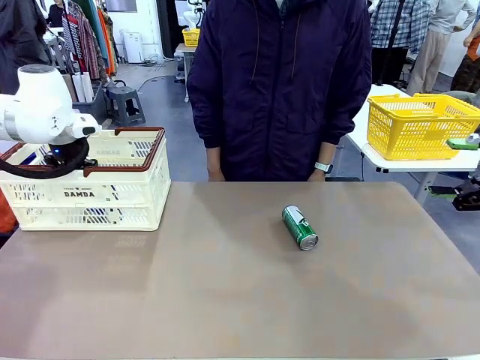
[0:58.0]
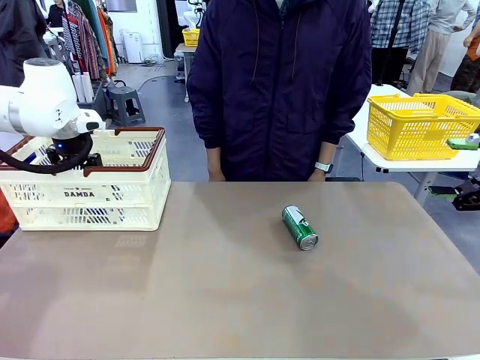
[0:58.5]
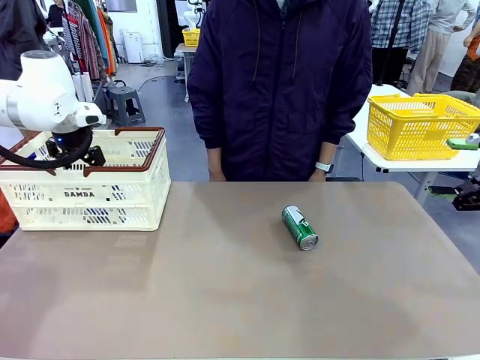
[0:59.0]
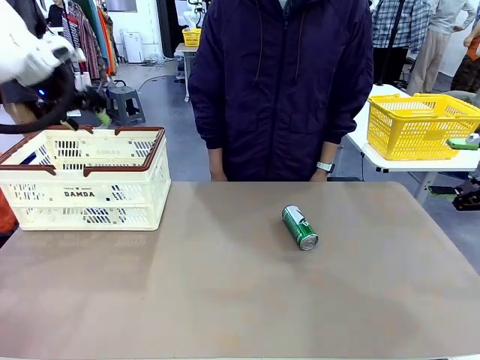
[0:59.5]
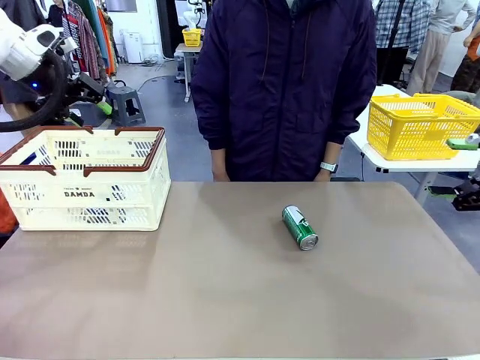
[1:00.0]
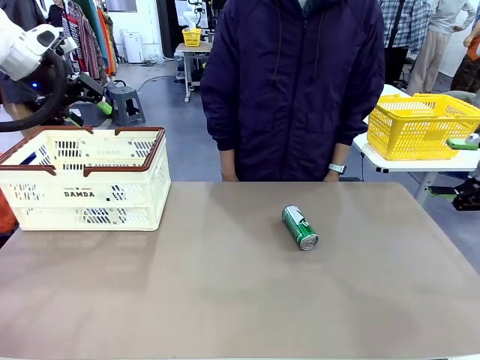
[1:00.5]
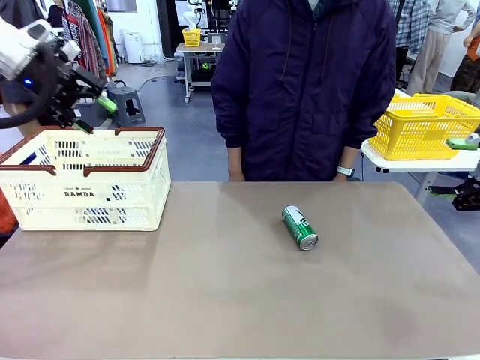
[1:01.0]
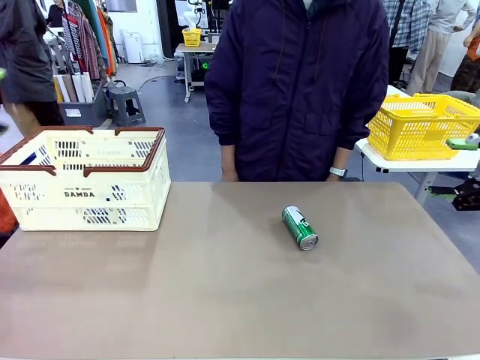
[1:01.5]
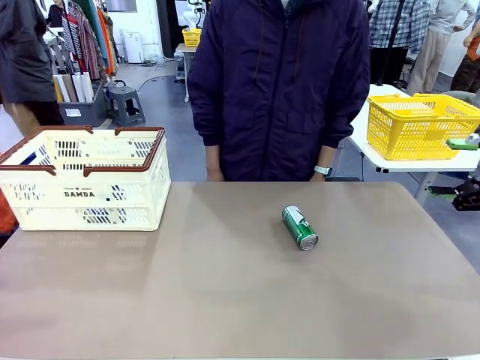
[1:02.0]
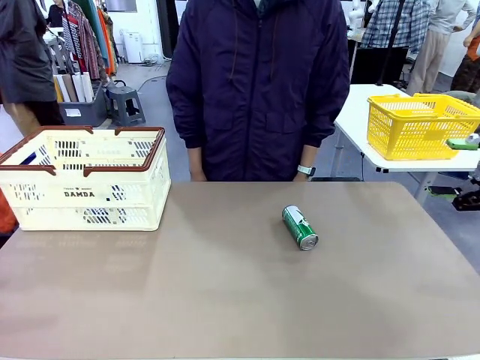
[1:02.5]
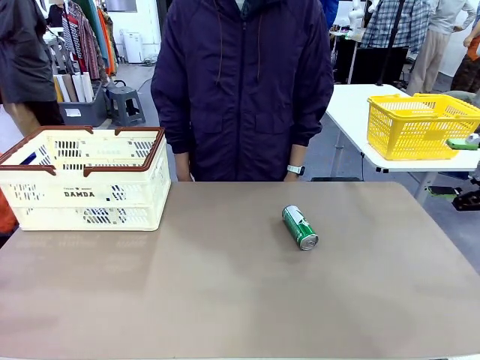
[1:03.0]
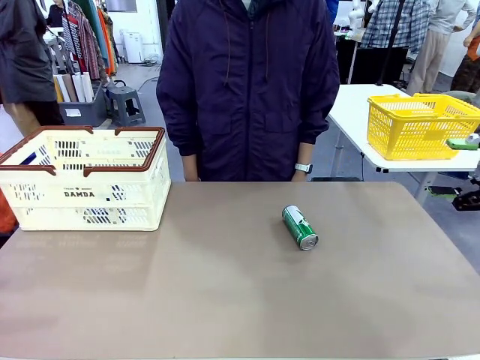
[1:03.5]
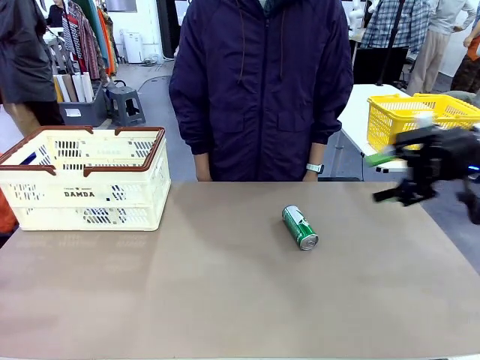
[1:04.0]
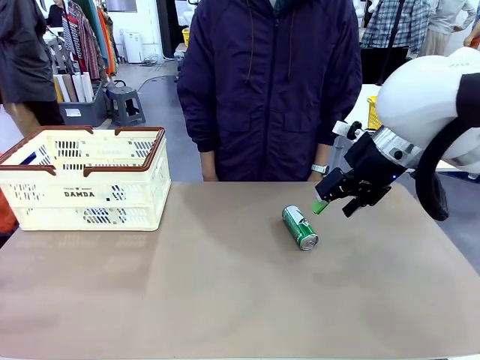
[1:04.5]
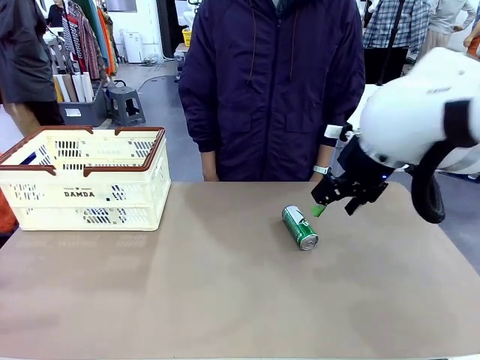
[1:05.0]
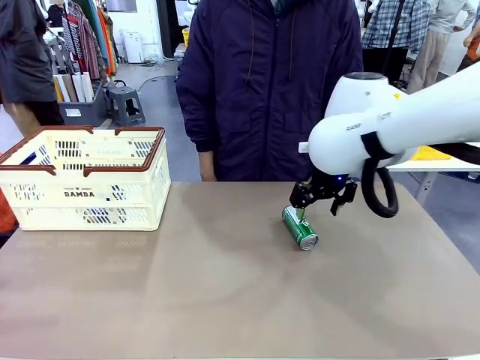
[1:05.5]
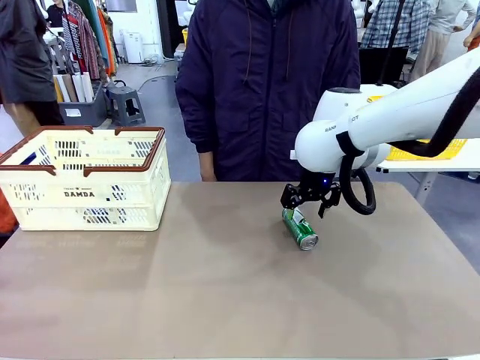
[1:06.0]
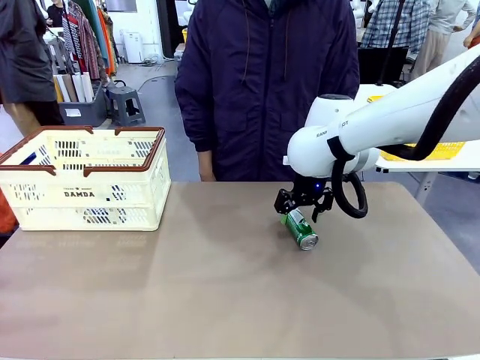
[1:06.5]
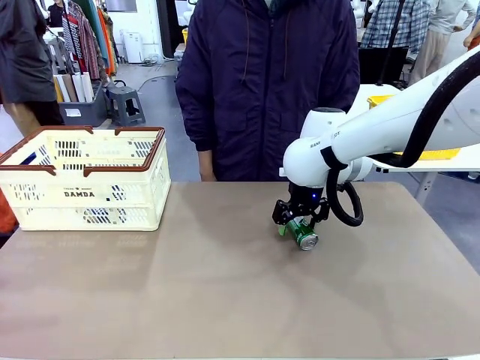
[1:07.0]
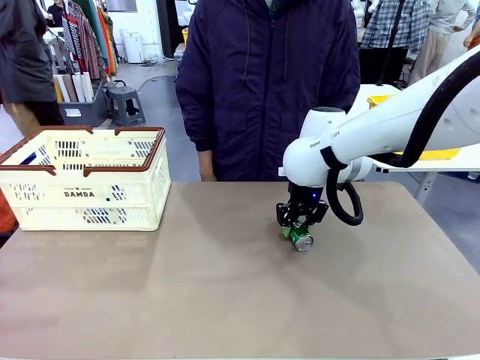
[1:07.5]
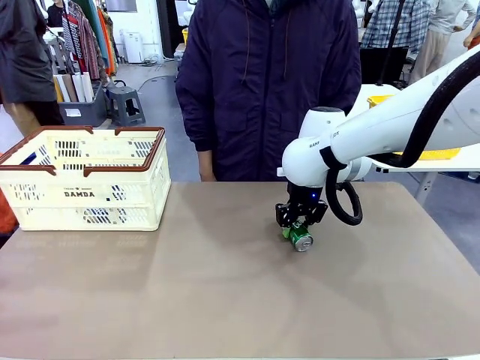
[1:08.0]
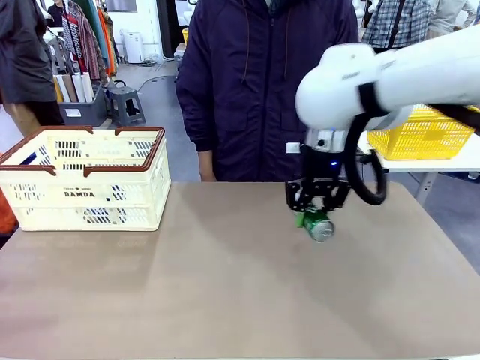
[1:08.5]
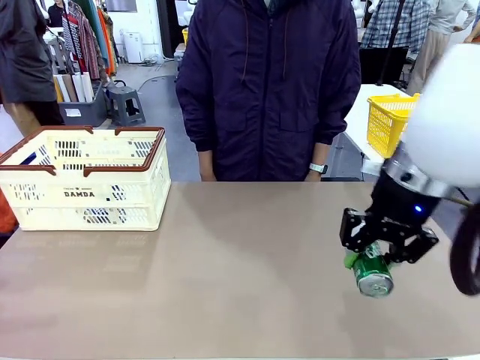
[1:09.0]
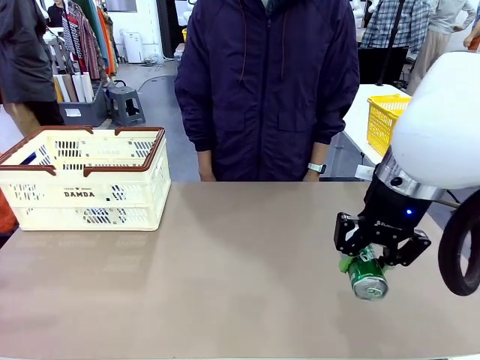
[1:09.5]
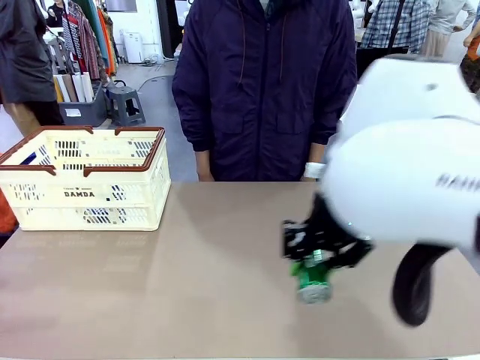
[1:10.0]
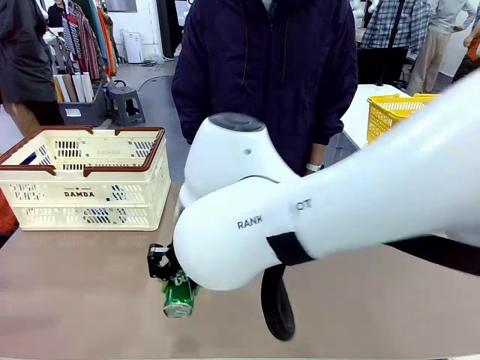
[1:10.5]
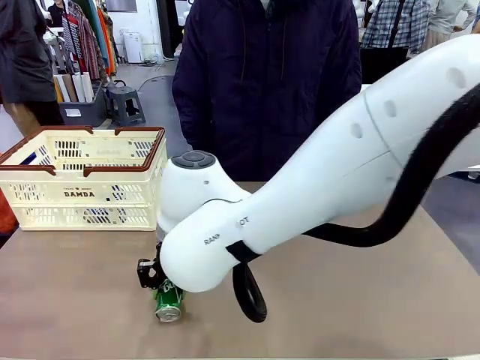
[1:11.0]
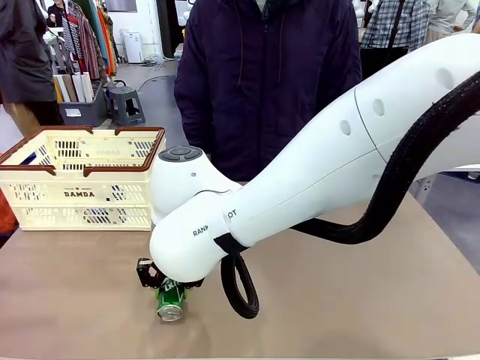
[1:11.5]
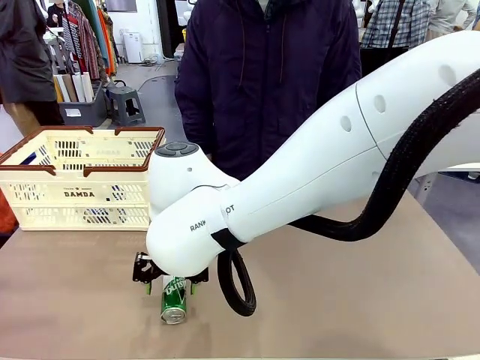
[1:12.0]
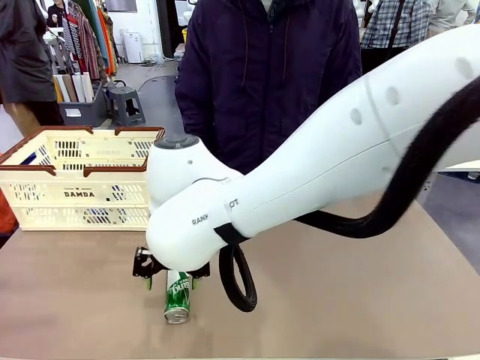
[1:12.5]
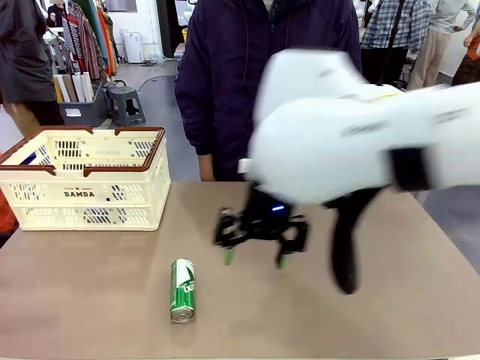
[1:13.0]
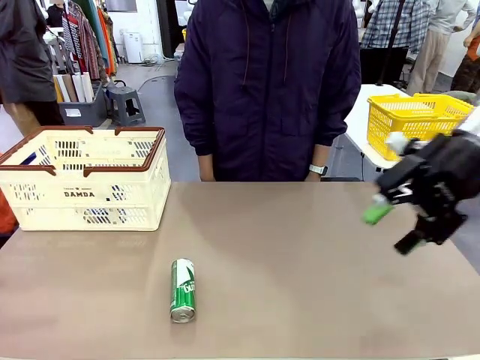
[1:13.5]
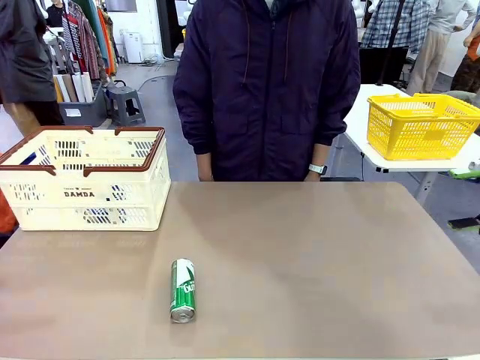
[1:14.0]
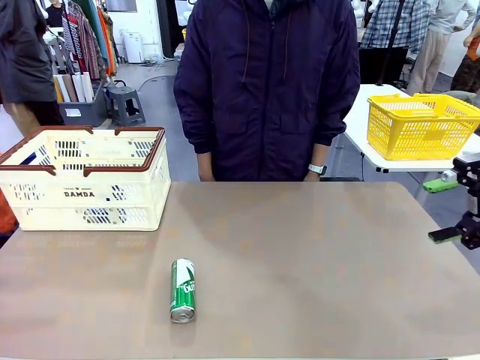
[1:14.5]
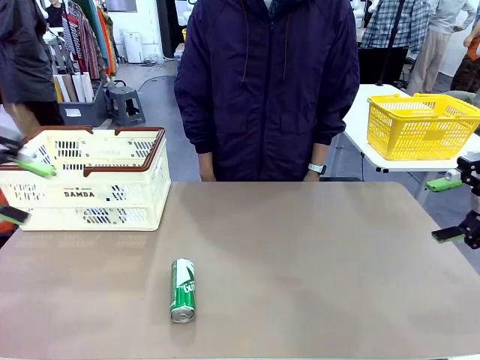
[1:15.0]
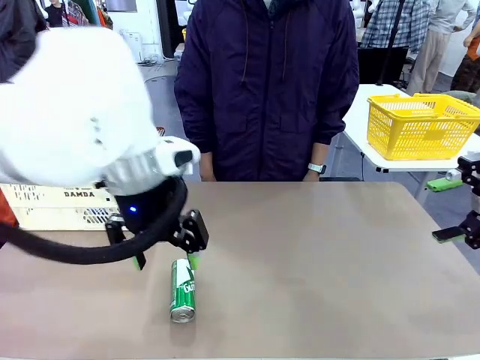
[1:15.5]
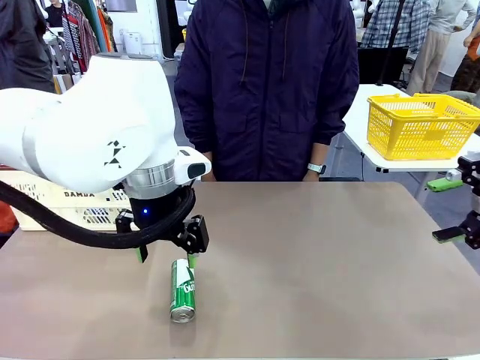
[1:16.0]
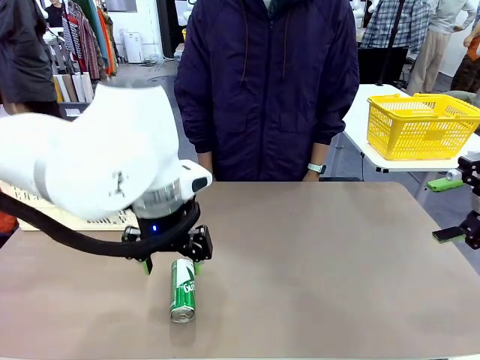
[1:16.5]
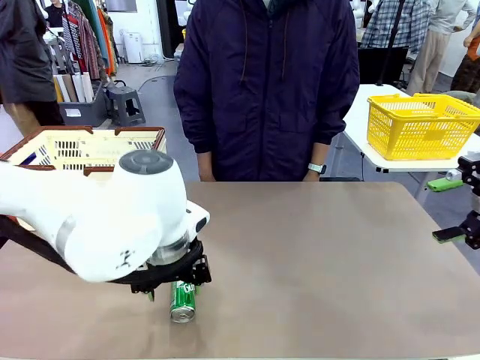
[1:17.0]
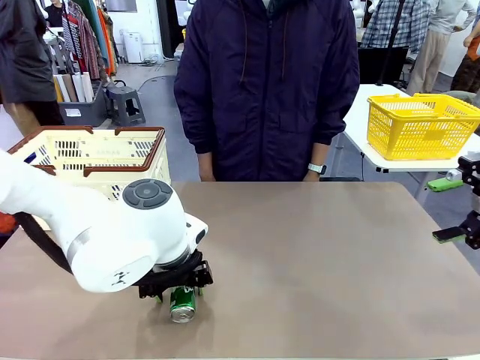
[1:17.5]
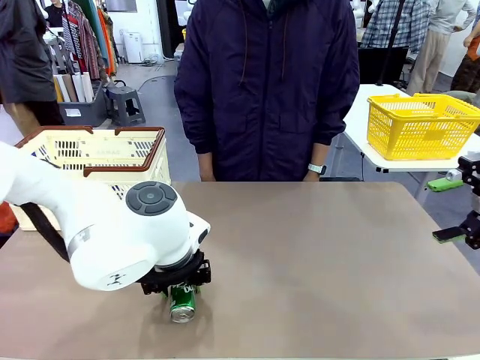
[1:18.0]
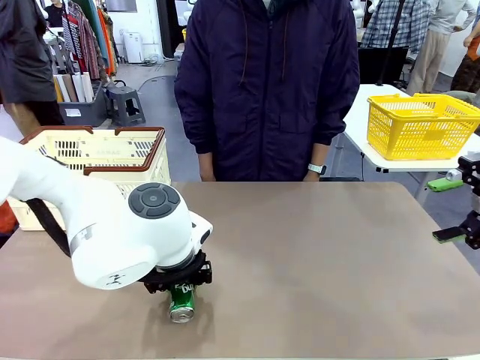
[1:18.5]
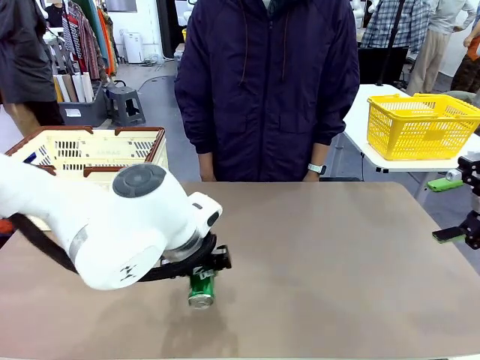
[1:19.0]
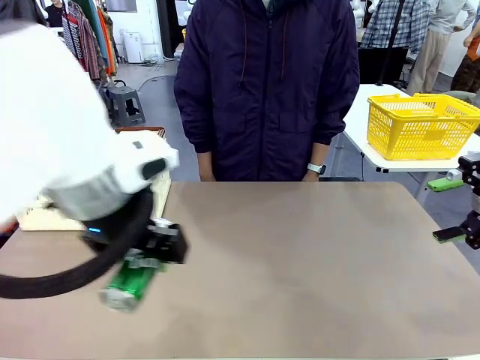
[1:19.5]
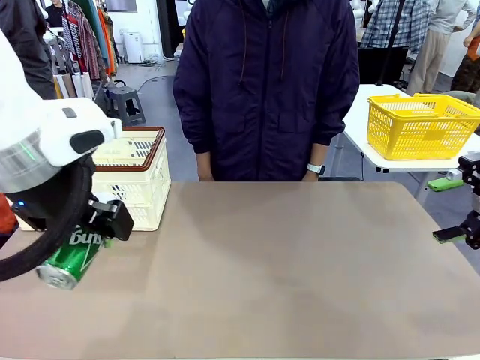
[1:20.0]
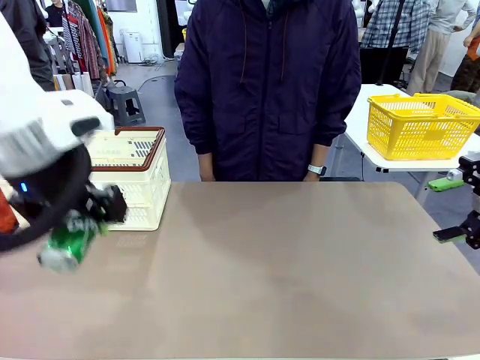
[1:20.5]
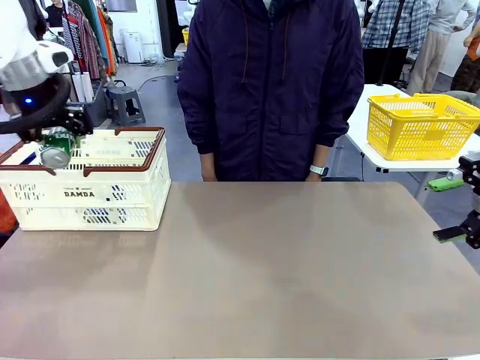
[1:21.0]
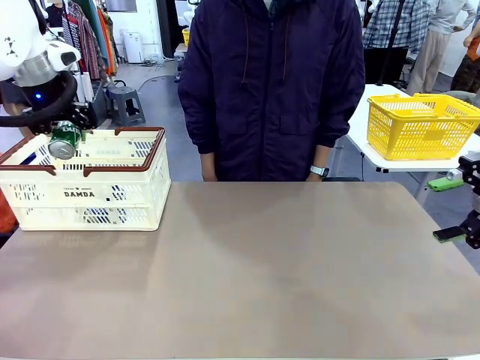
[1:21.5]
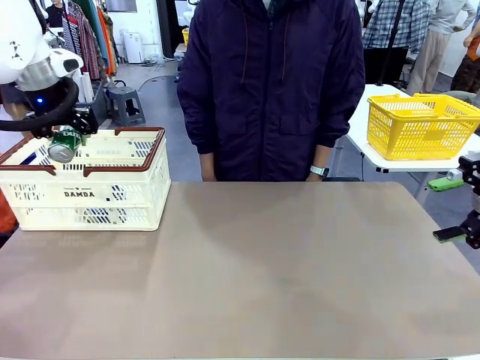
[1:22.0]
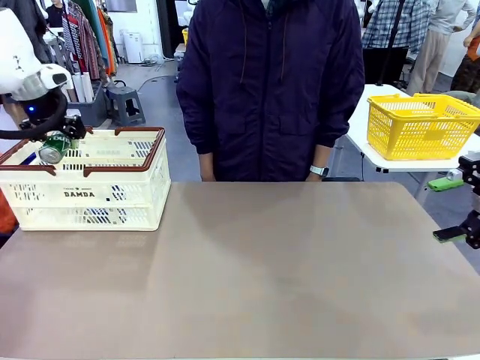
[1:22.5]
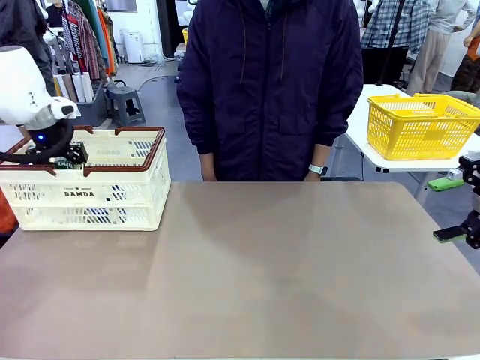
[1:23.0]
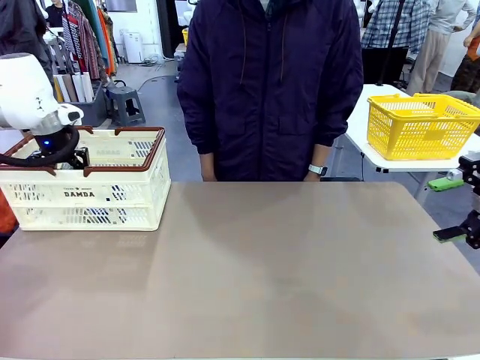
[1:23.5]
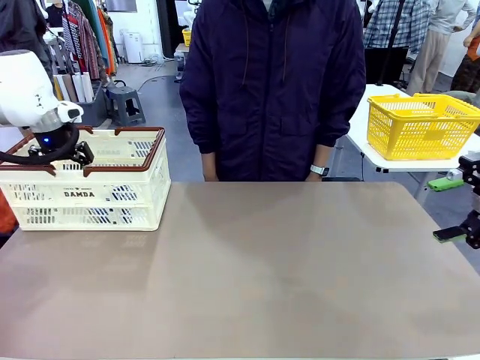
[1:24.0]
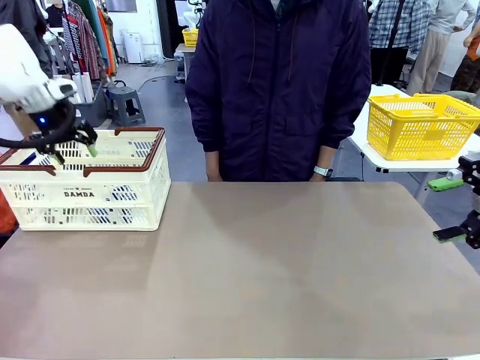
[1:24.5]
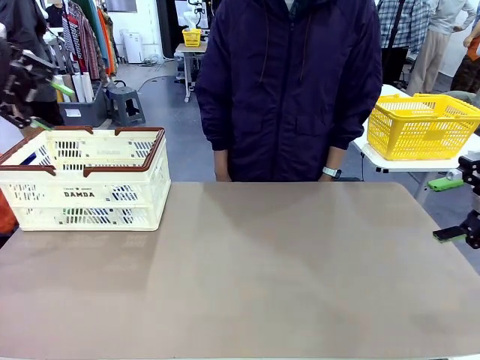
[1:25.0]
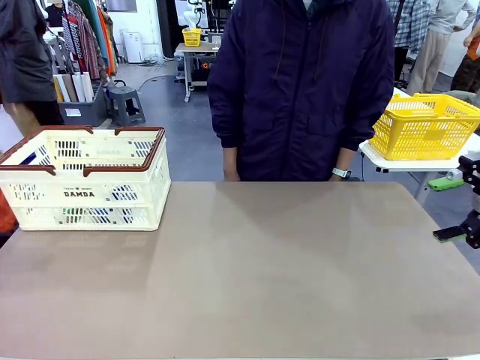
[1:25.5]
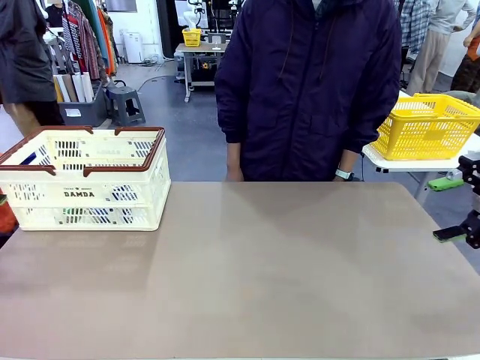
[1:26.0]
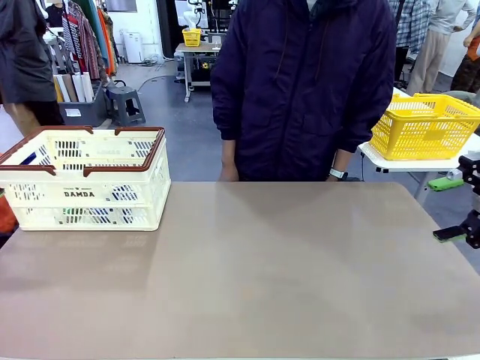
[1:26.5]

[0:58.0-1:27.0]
Task: Place the drinks into the Shopping basket.
Robot: Pick up one drink and place it into the Shopping basket.
